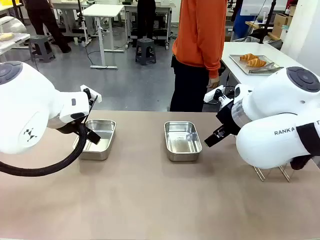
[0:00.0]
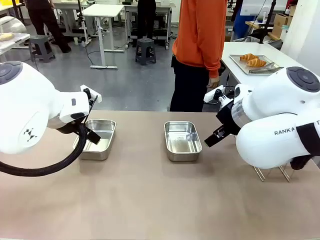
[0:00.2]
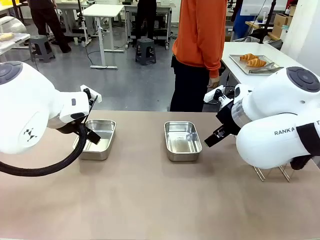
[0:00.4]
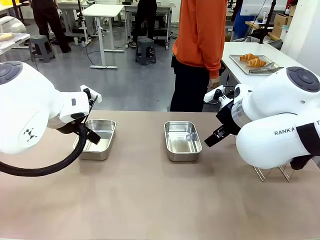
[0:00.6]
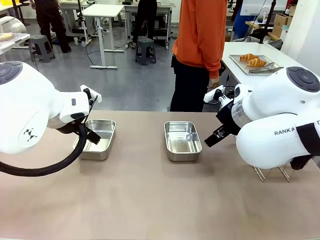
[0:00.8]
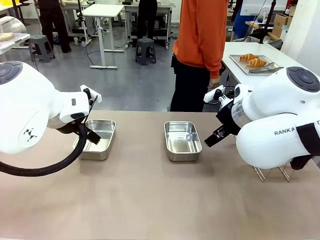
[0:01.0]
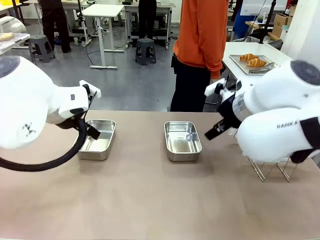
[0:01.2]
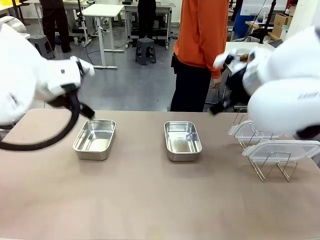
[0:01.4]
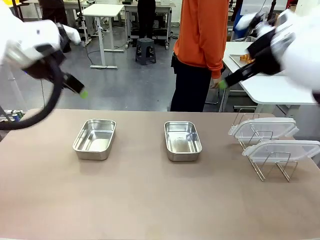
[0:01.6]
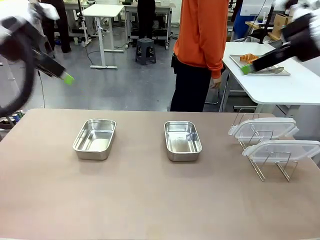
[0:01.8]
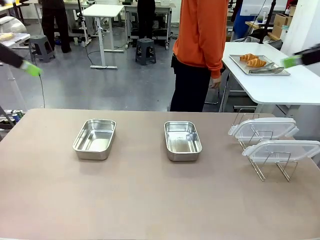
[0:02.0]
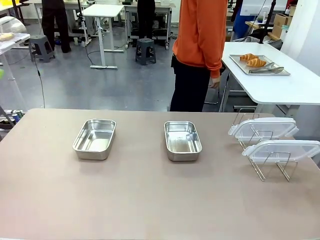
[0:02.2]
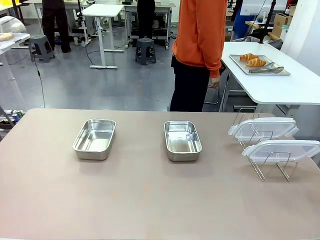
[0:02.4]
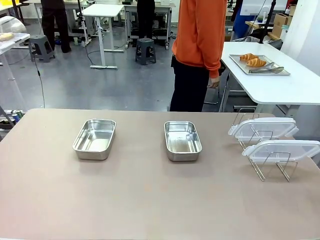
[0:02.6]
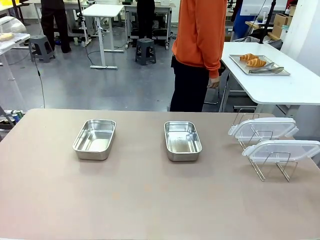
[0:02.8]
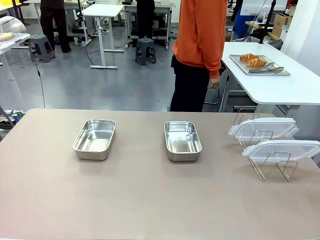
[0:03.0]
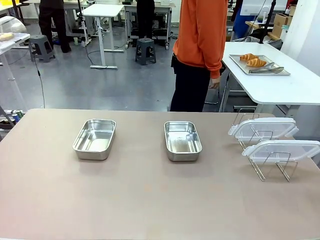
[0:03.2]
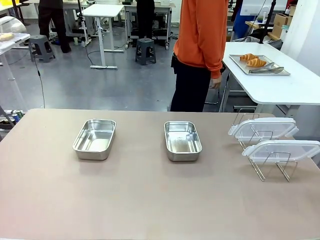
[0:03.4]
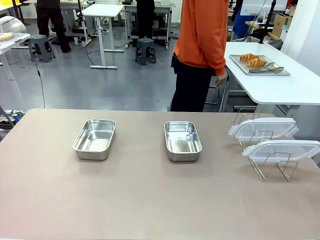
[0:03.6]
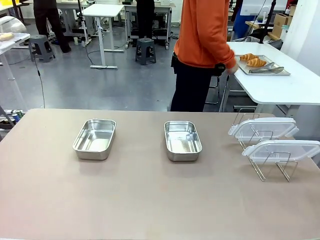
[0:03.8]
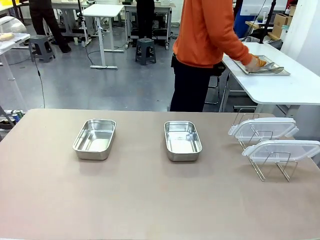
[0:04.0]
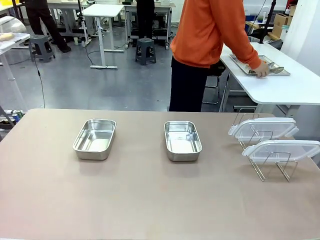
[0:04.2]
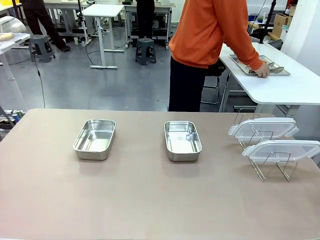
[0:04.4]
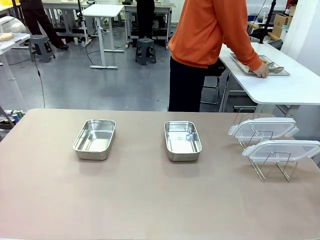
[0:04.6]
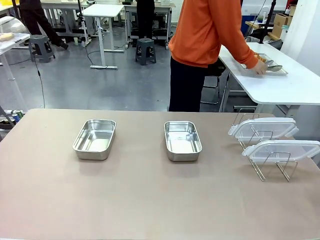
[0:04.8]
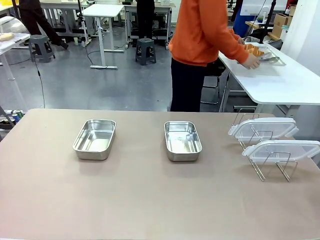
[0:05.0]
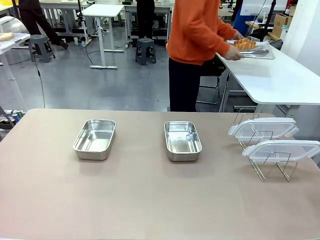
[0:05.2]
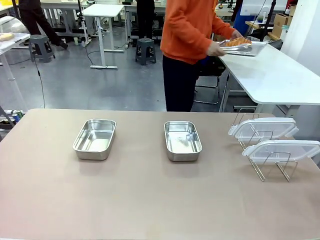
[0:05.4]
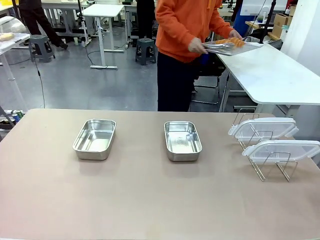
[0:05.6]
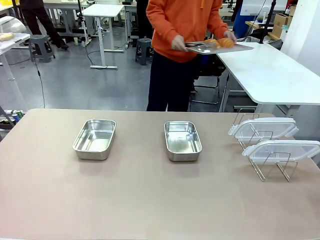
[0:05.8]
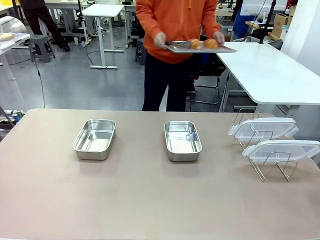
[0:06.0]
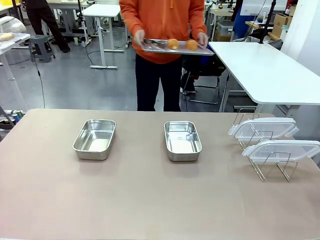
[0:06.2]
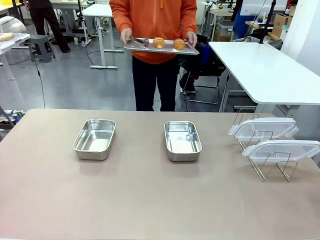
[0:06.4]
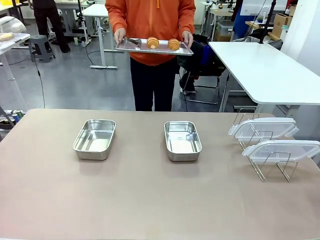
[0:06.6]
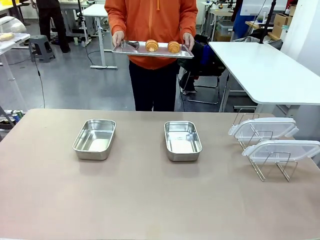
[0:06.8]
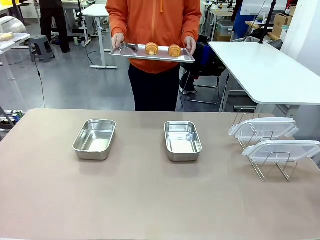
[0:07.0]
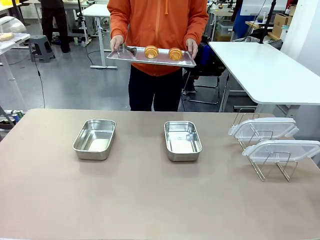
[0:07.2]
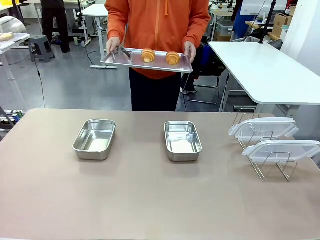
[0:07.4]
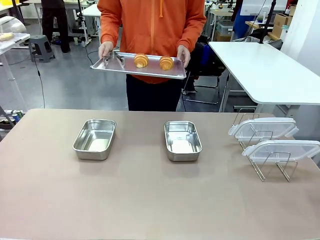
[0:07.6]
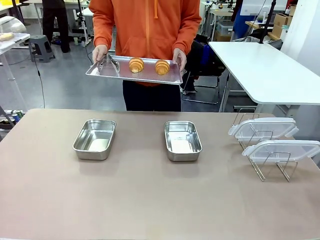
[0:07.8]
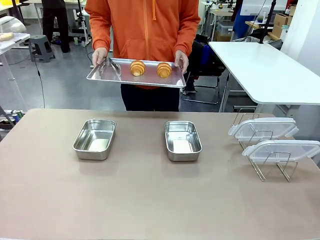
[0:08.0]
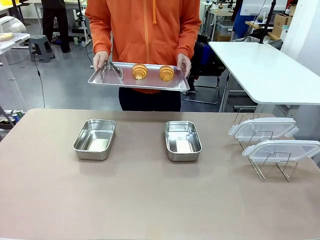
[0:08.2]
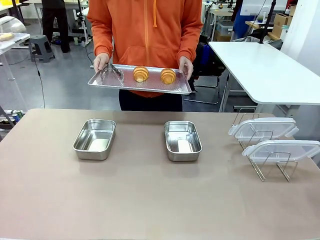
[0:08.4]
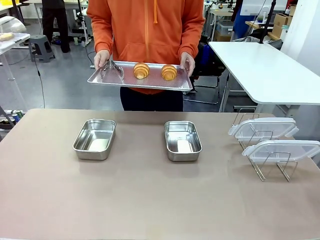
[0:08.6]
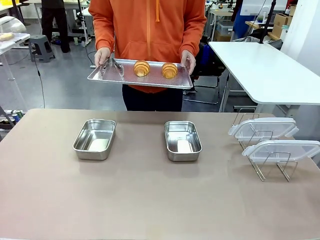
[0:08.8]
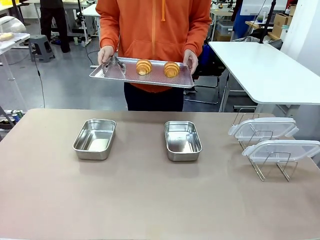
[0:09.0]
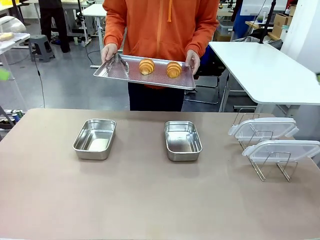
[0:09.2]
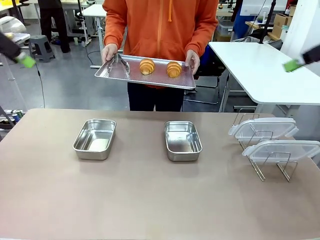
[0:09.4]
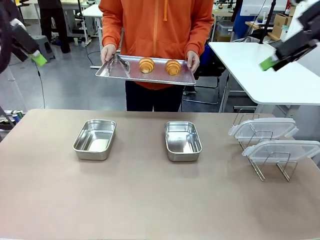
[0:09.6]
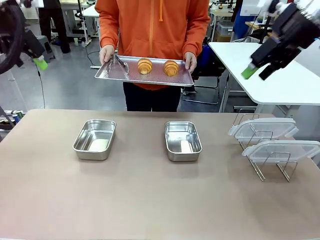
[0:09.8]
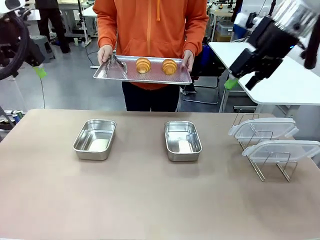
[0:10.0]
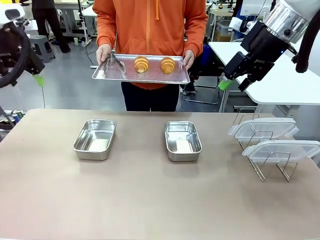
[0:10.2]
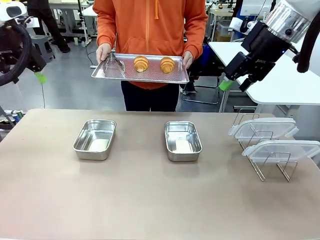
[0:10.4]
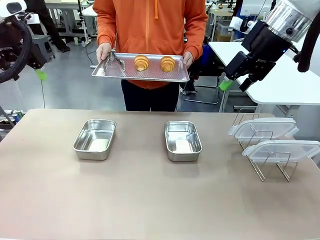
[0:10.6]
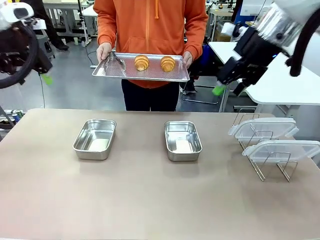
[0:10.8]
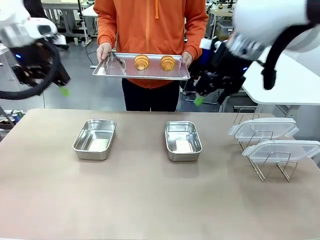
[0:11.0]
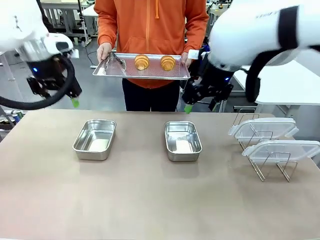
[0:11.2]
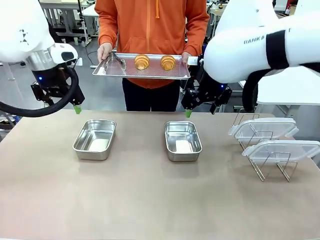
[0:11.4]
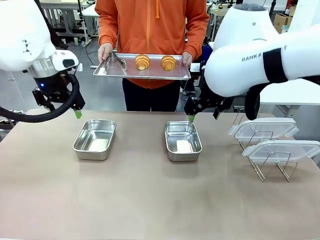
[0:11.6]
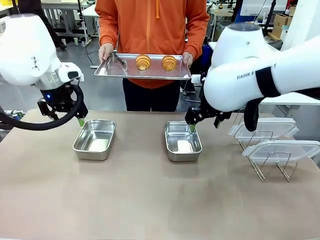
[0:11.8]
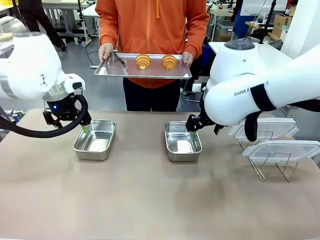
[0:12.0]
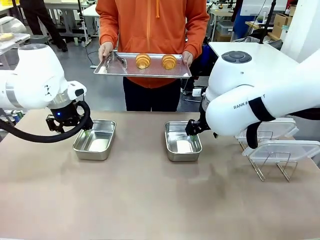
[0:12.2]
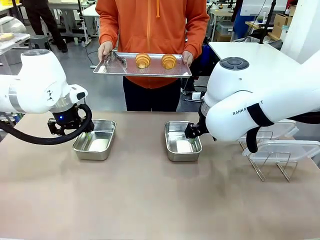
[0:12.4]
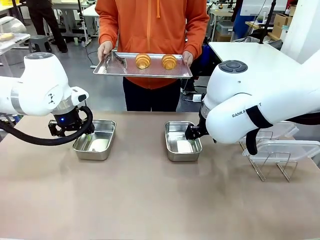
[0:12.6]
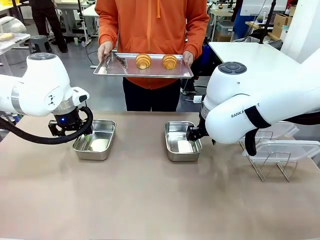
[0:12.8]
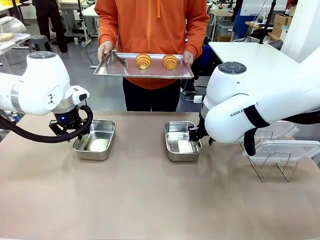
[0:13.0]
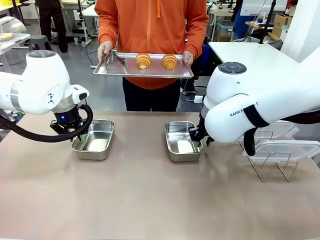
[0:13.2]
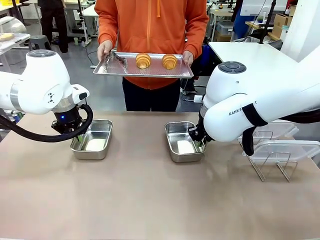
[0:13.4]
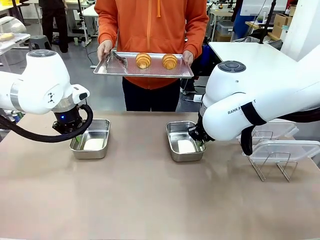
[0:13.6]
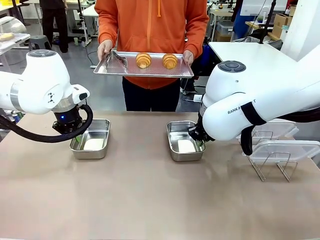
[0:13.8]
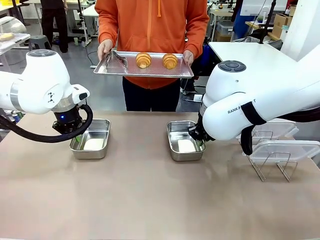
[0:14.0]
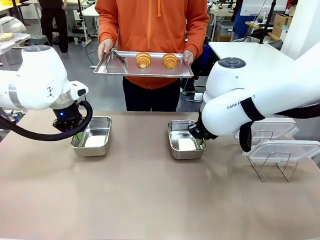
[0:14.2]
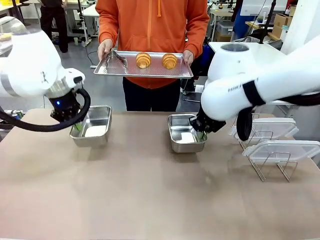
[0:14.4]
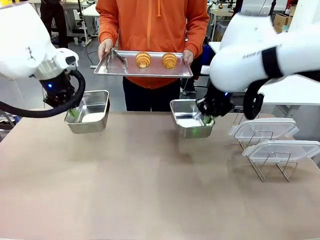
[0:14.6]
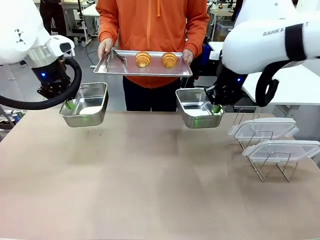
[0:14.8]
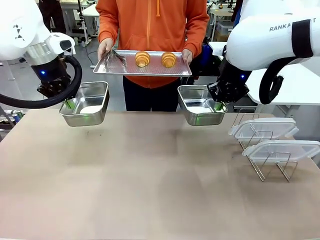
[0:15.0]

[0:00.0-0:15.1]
Task: Place the bread in airtight containers.
Robot: Lift both Airtight Container.
Person: Bring the Baking Sheet in front of Robot's Table.
